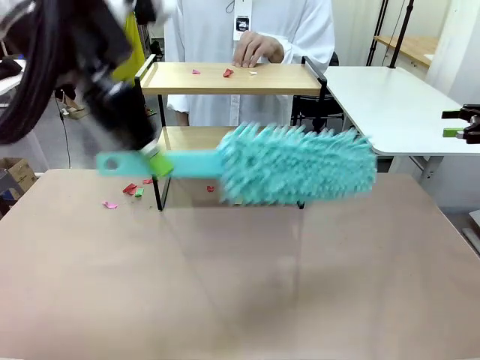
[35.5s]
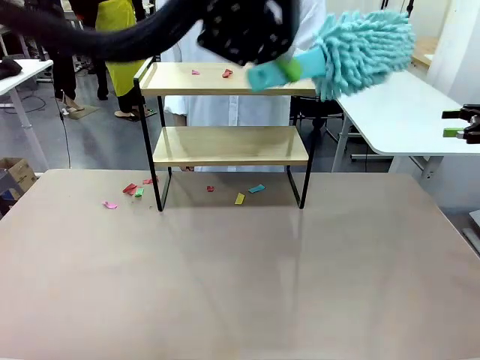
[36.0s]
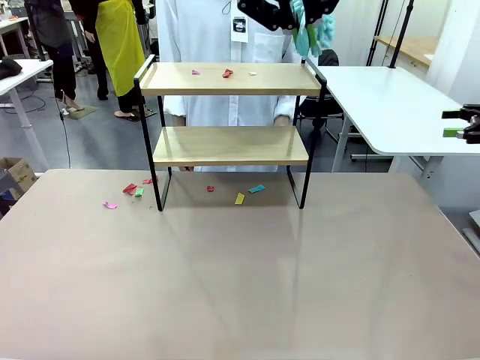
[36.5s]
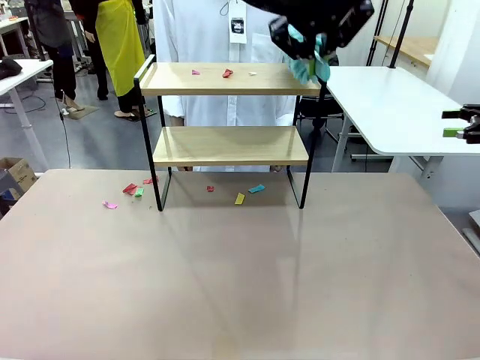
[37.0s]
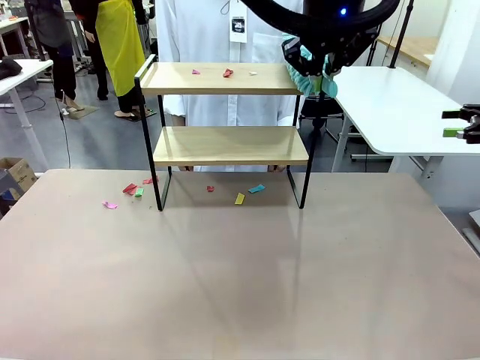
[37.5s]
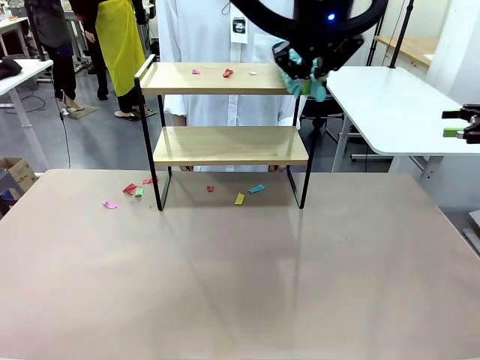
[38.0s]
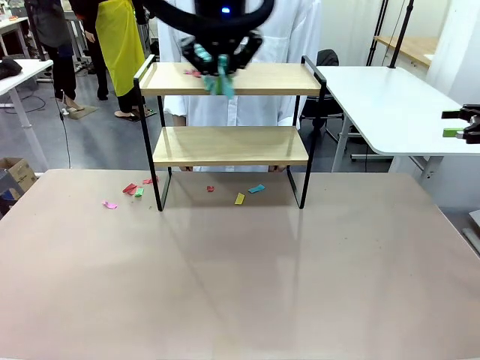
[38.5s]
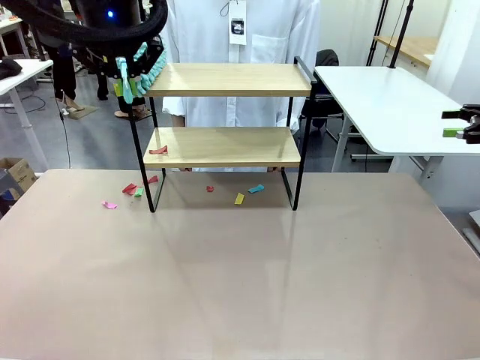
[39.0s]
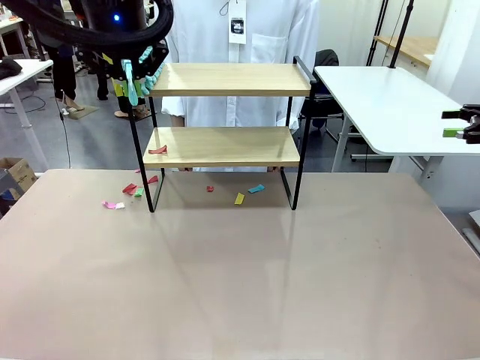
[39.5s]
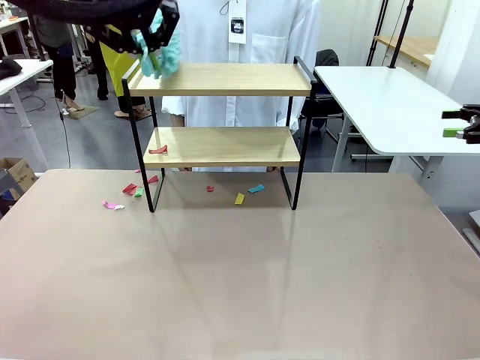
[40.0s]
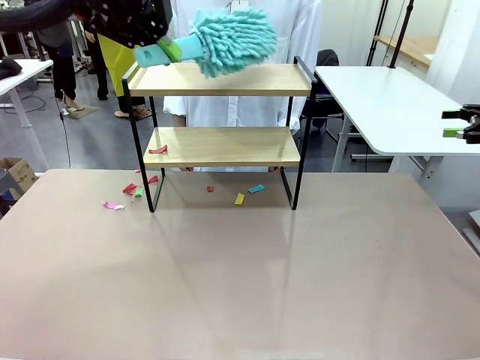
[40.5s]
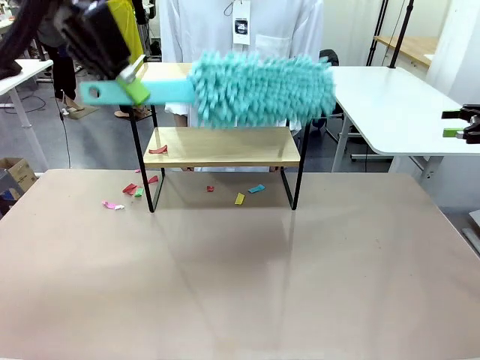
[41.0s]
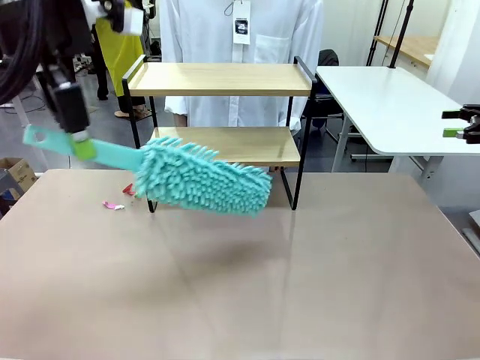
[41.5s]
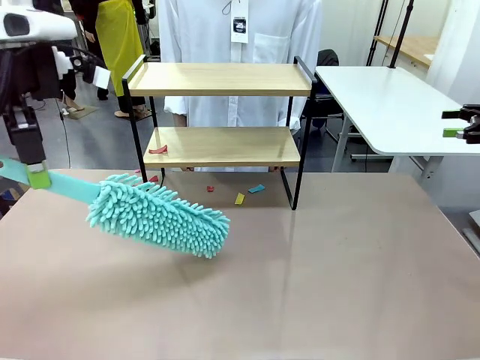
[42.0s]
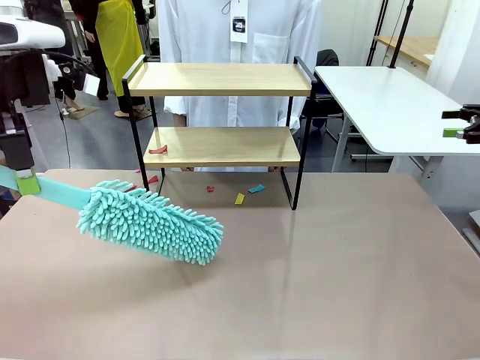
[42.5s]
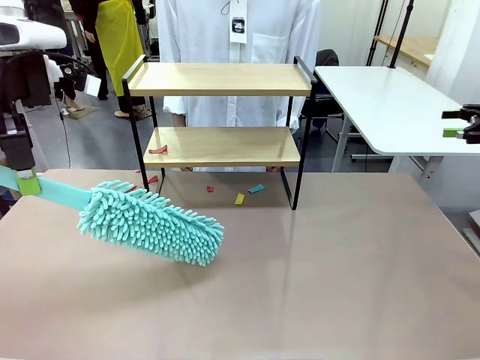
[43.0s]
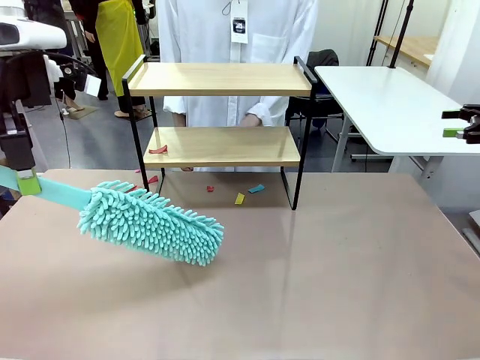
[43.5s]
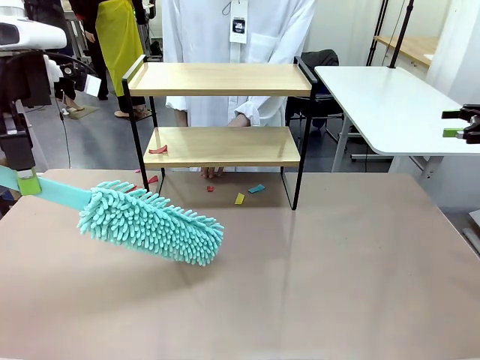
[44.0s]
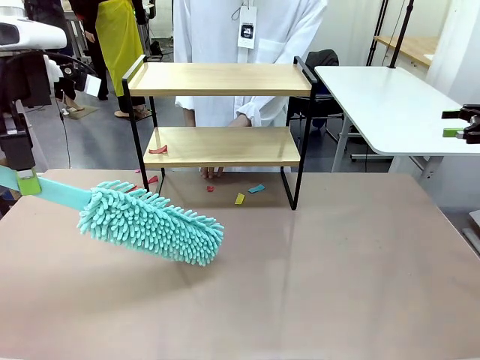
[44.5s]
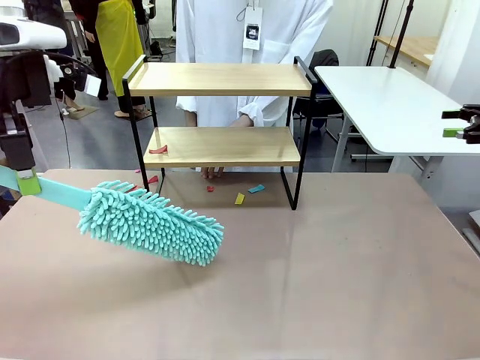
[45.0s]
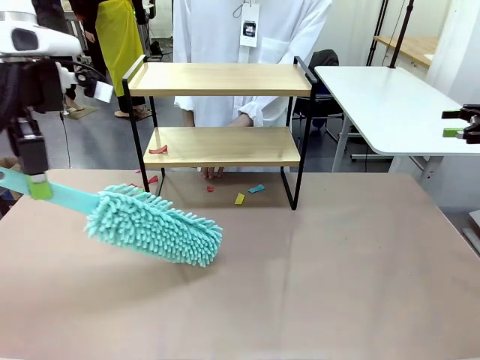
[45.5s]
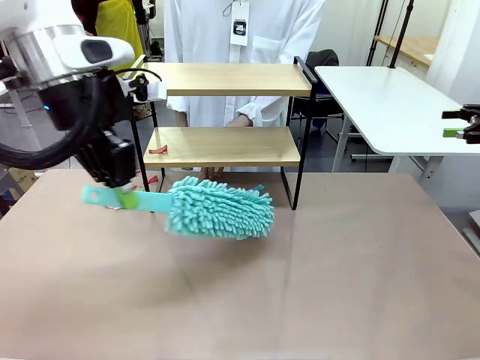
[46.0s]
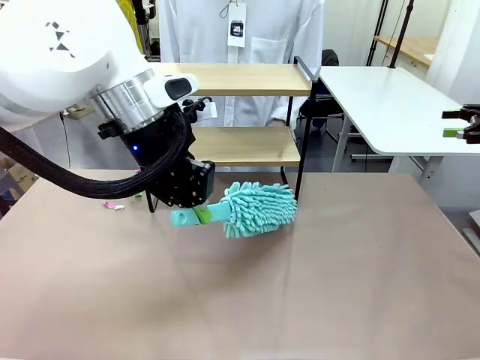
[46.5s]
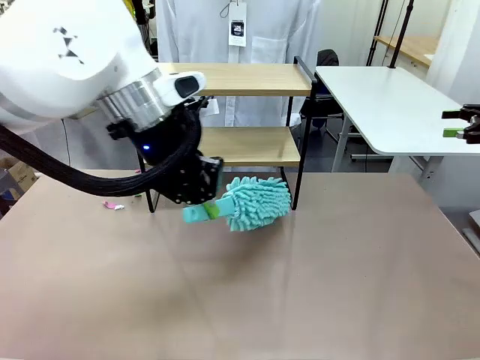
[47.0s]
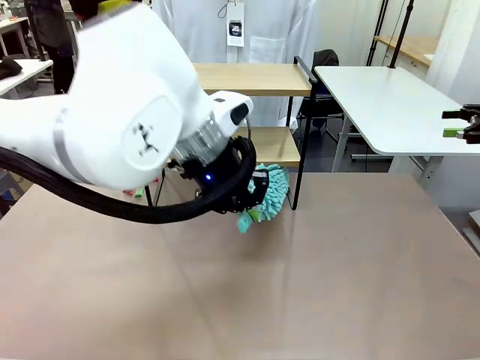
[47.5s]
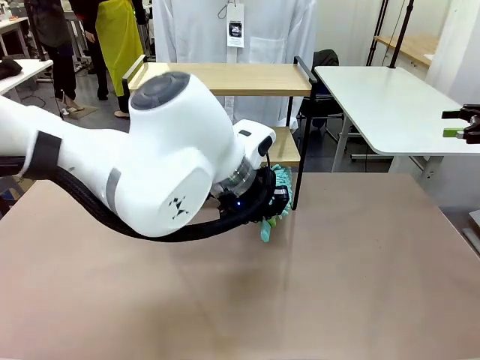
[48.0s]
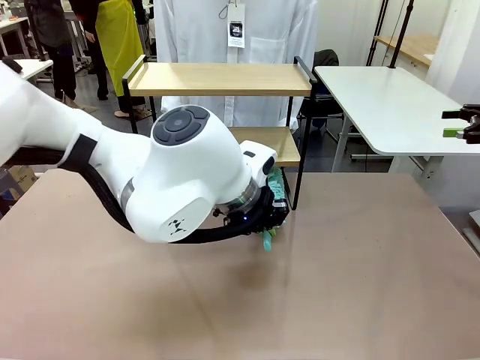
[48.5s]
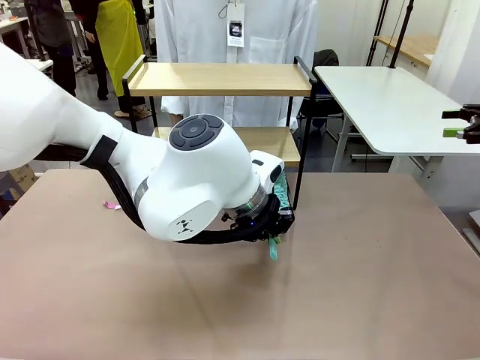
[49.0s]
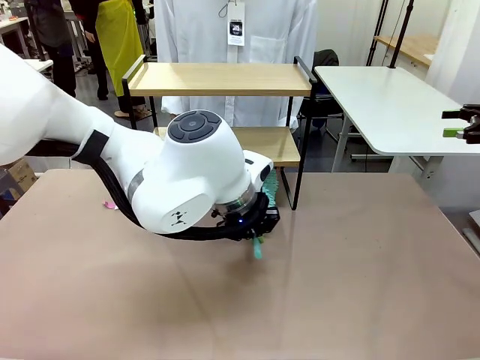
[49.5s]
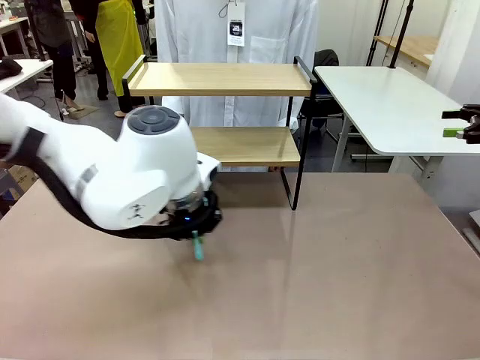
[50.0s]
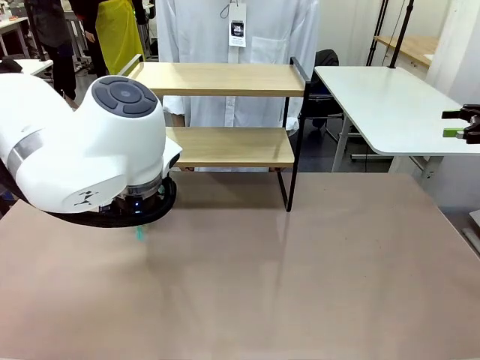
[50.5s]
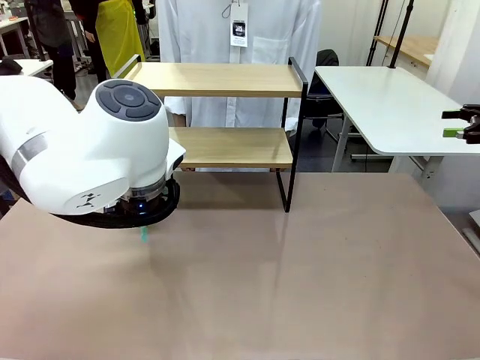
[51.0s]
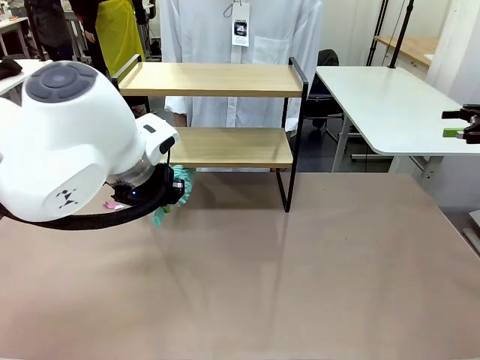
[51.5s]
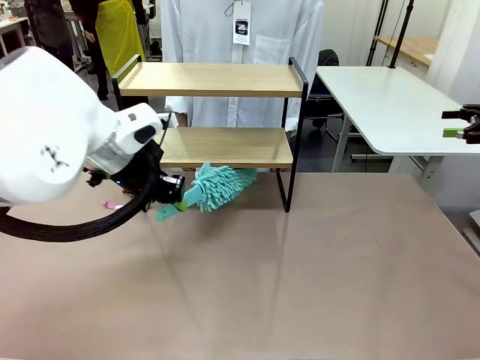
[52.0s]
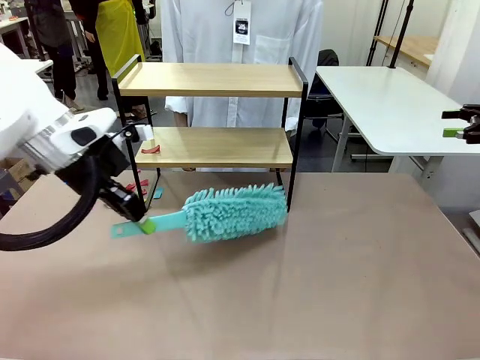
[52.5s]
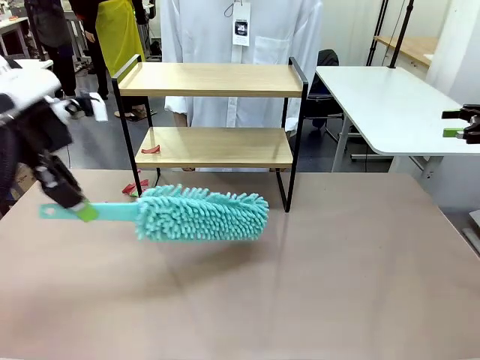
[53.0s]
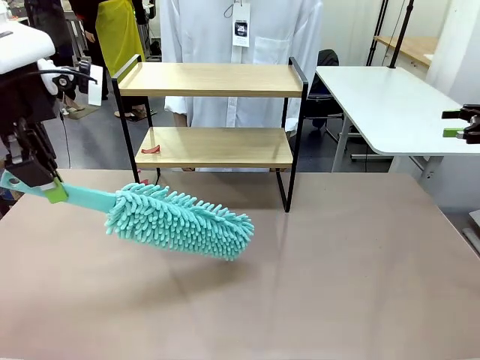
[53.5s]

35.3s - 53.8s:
Task: Clean the shelf.
Robot: Clean the specific section of the Shelf indicated by the human with the Duster.
Person: Point a remaining section of the Shelf.

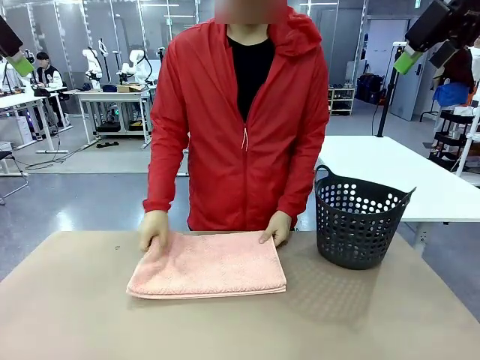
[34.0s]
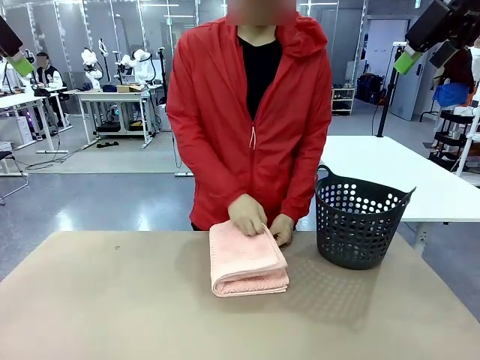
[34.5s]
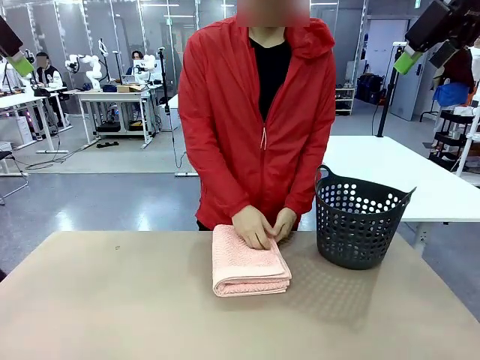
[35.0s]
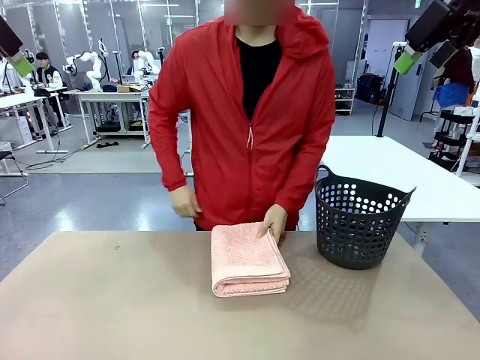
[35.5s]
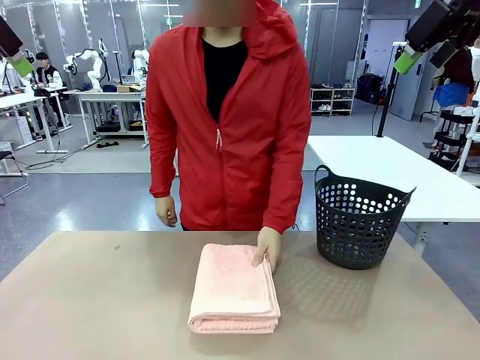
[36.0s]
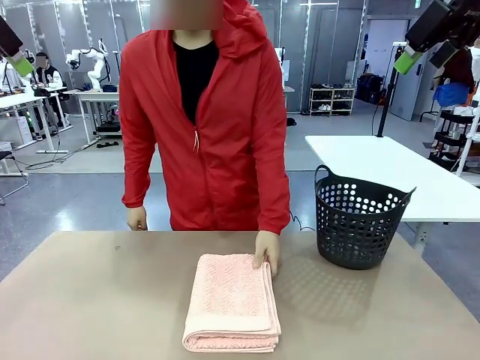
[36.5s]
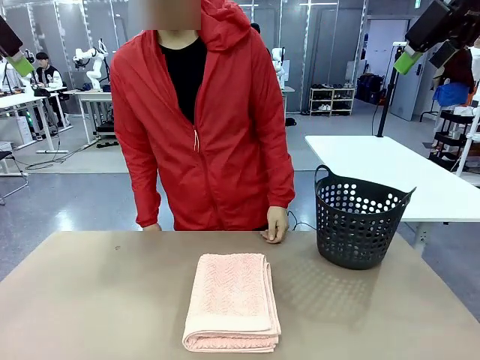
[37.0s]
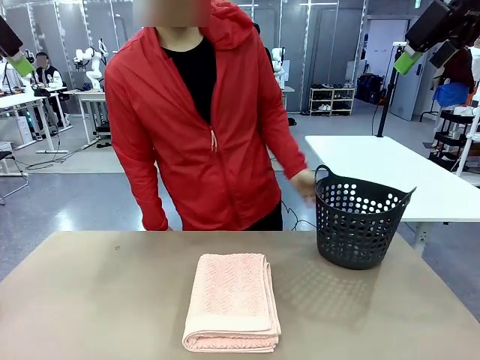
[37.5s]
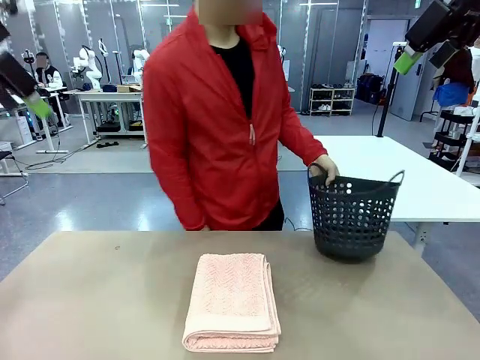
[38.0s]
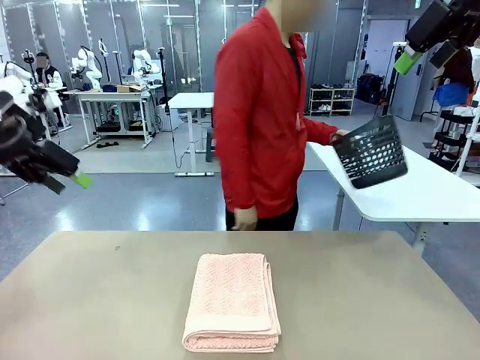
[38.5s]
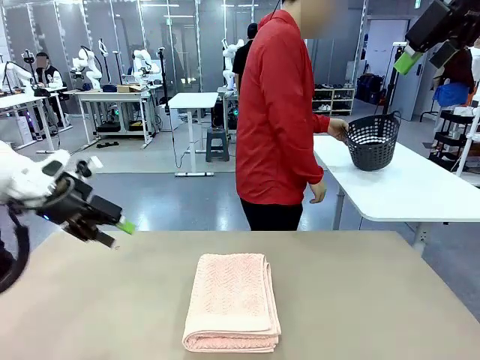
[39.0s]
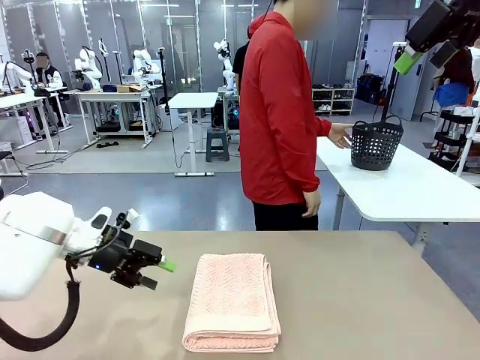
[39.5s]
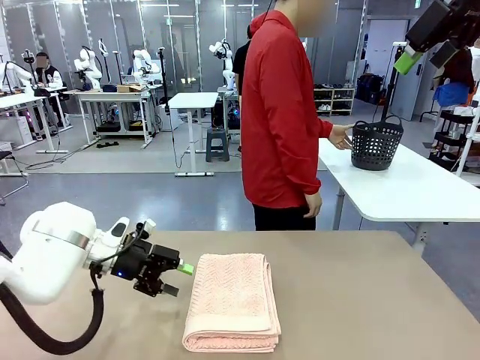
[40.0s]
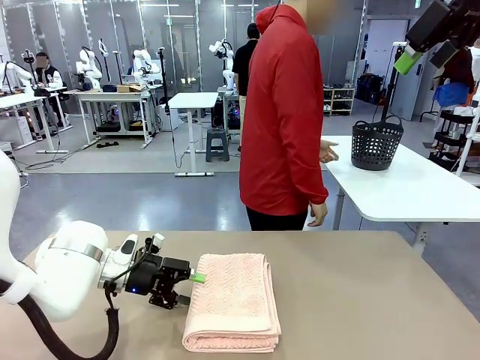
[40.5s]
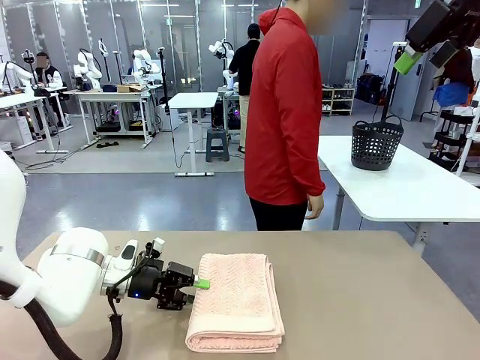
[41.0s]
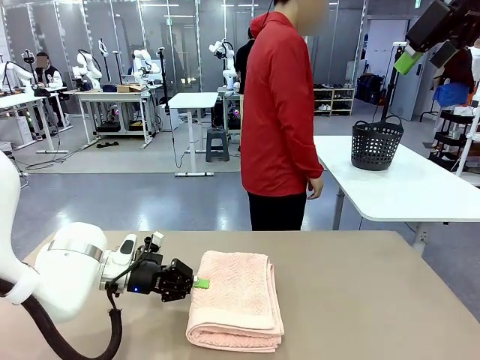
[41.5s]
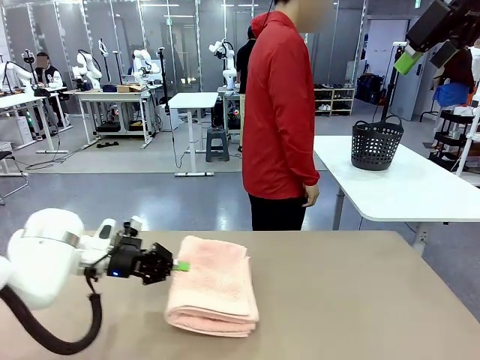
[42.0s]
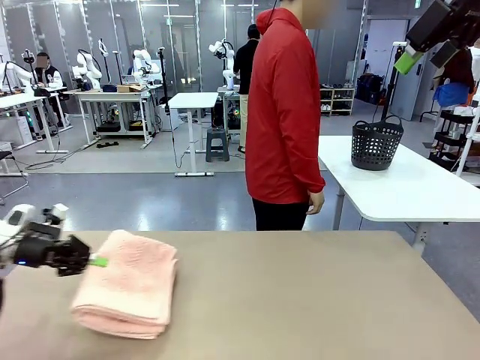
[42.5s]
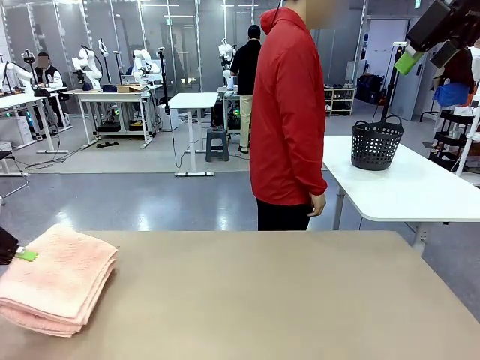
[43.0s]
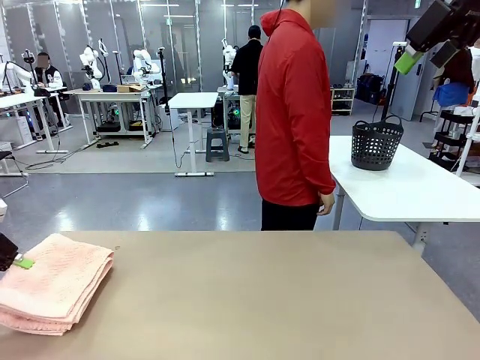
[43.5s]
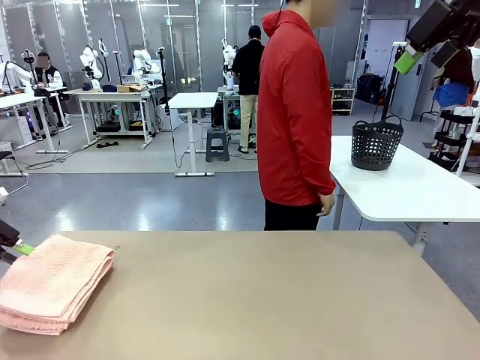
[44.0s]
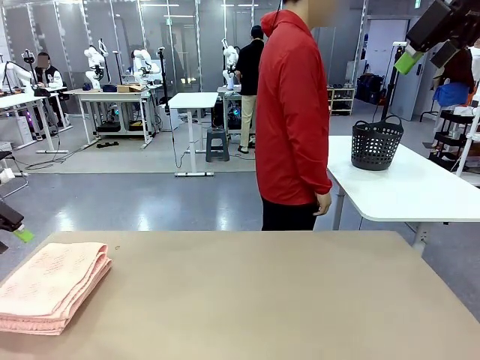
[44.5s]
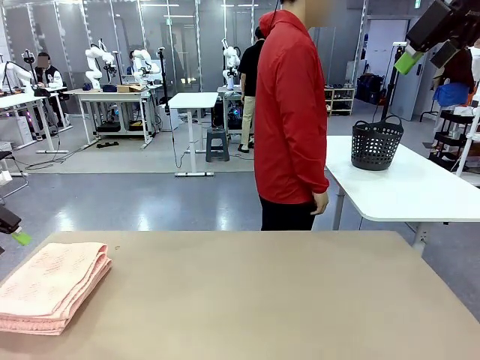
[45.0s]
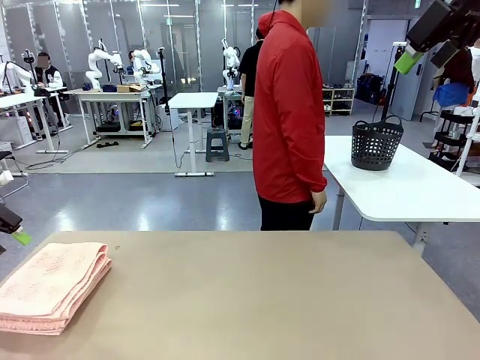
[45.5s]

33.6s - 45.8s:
Task: Fold the towel.
Robot: Pick up the 100 cm Hotel Towel and place it on the left side of the table.
Person: Place the towel at the center of the robot table and fold it in half. Pick up the laundry basket and place it at the center of the human table.
